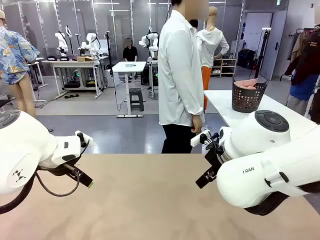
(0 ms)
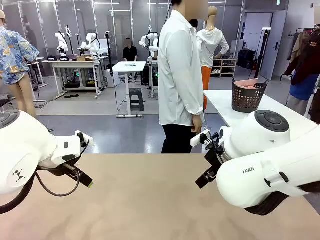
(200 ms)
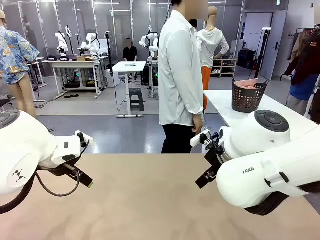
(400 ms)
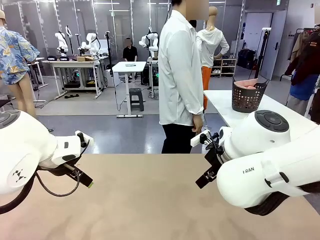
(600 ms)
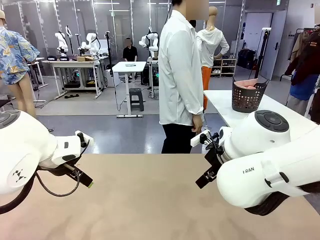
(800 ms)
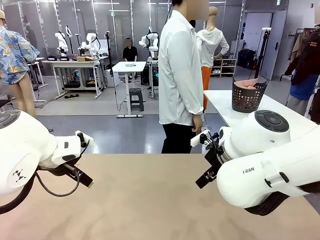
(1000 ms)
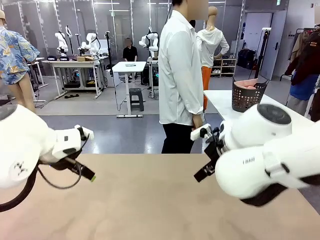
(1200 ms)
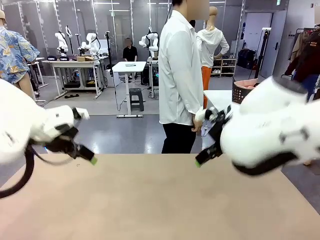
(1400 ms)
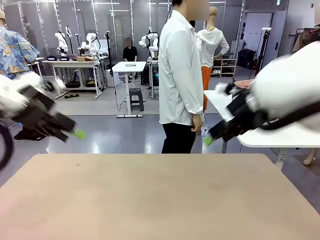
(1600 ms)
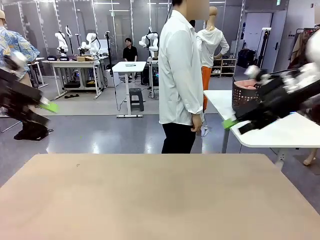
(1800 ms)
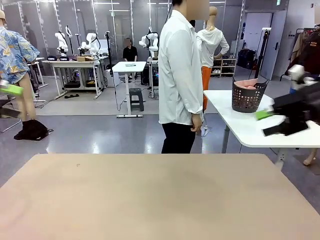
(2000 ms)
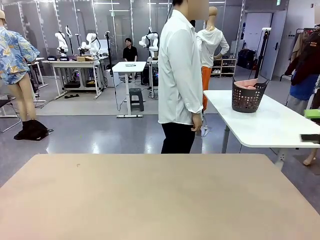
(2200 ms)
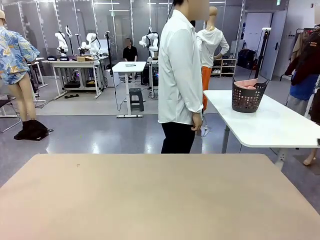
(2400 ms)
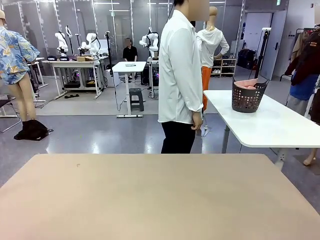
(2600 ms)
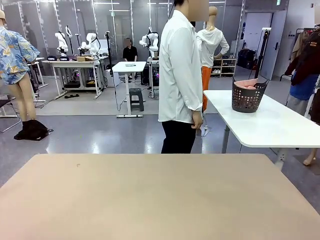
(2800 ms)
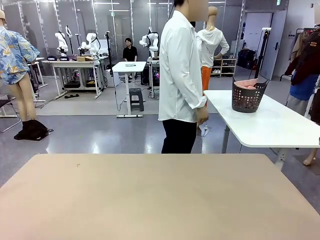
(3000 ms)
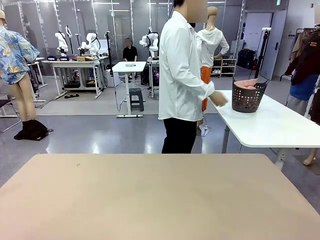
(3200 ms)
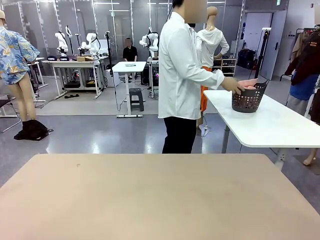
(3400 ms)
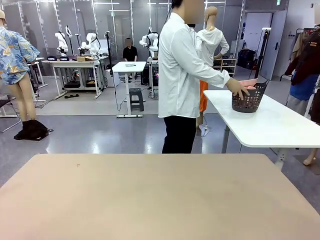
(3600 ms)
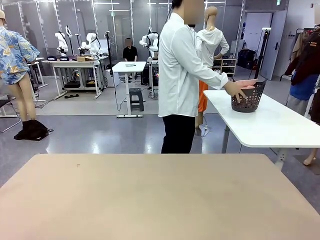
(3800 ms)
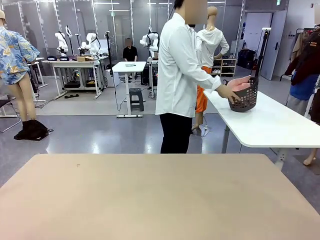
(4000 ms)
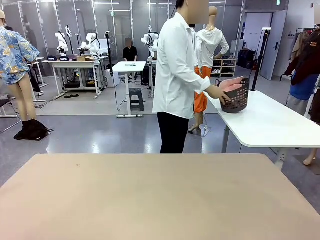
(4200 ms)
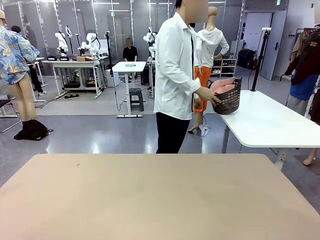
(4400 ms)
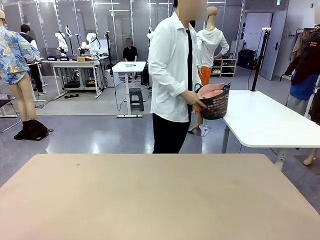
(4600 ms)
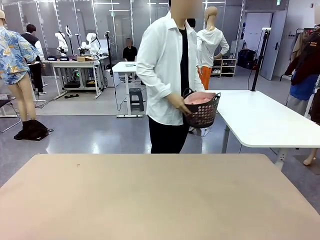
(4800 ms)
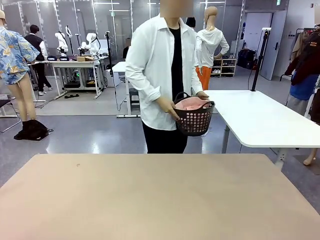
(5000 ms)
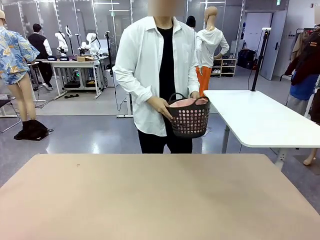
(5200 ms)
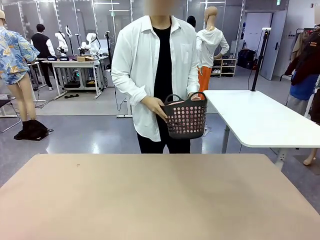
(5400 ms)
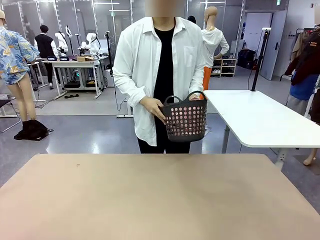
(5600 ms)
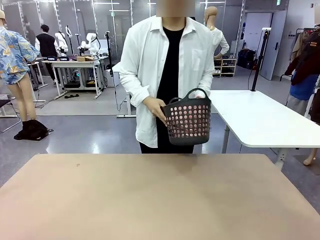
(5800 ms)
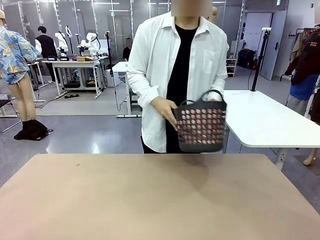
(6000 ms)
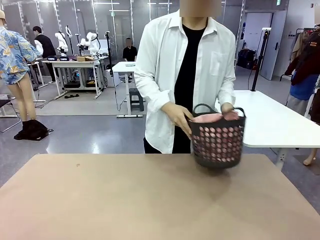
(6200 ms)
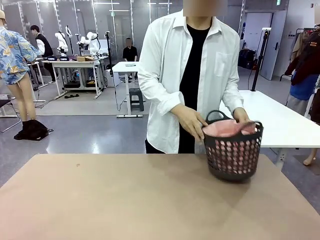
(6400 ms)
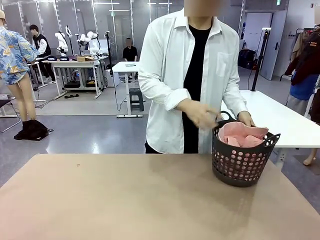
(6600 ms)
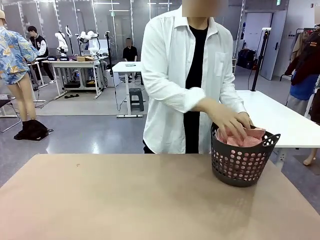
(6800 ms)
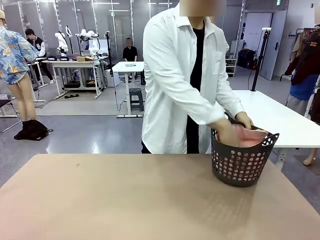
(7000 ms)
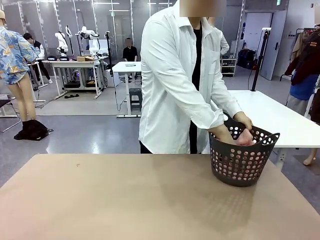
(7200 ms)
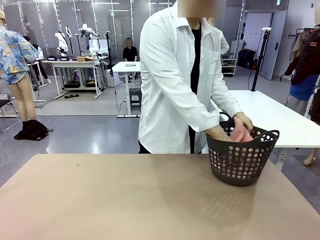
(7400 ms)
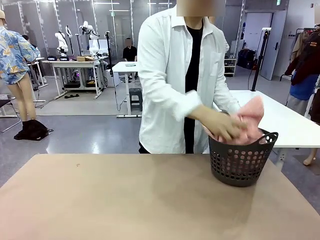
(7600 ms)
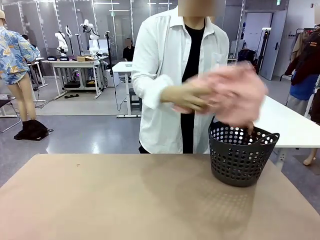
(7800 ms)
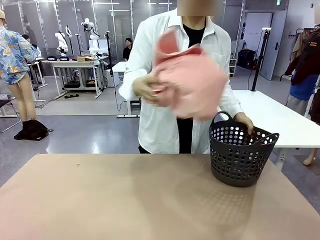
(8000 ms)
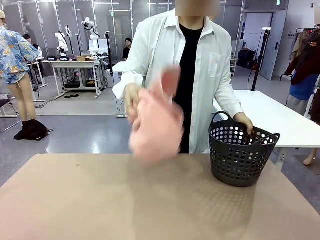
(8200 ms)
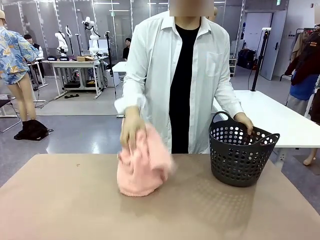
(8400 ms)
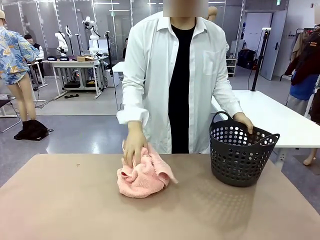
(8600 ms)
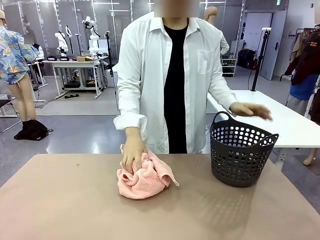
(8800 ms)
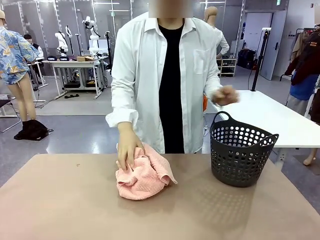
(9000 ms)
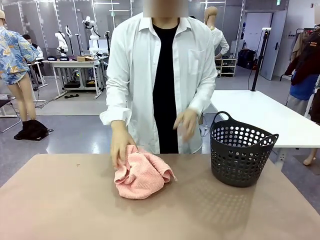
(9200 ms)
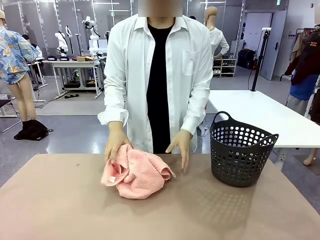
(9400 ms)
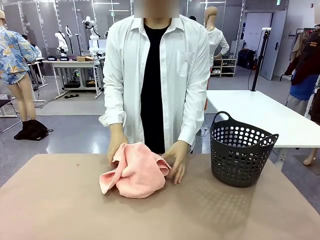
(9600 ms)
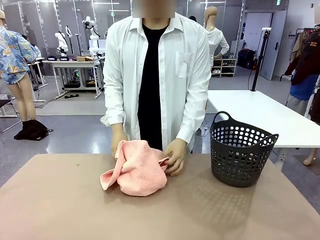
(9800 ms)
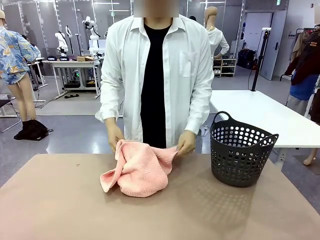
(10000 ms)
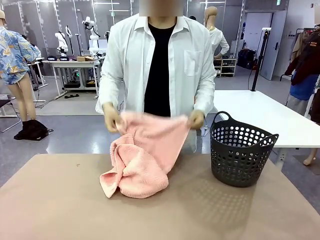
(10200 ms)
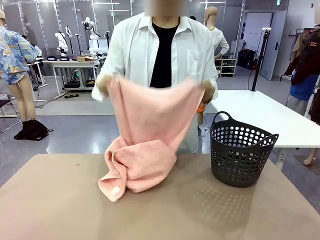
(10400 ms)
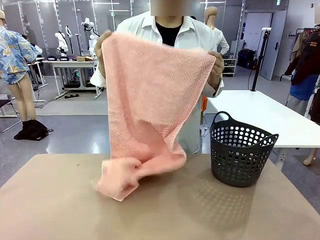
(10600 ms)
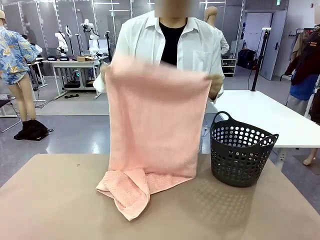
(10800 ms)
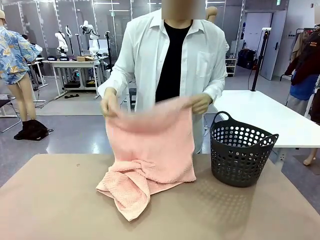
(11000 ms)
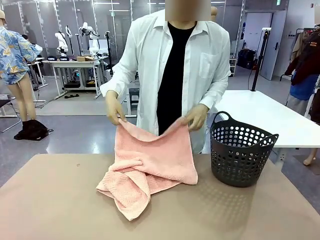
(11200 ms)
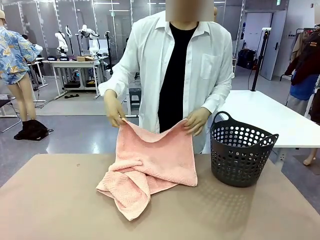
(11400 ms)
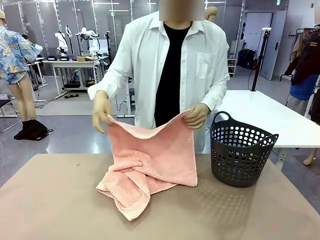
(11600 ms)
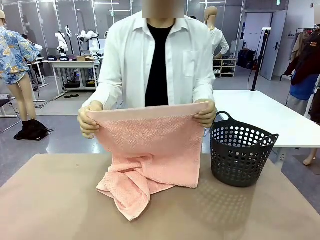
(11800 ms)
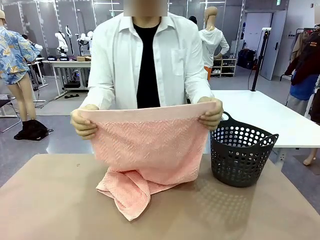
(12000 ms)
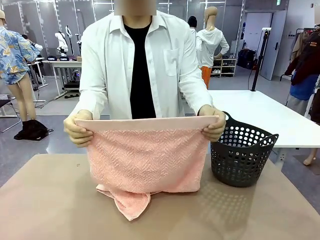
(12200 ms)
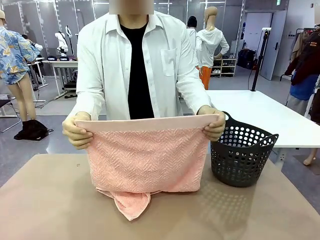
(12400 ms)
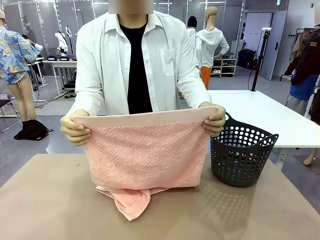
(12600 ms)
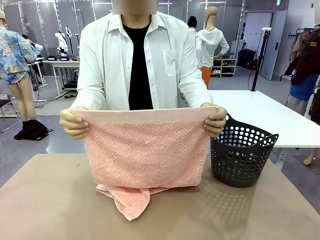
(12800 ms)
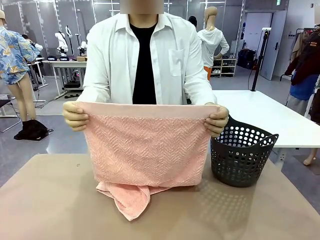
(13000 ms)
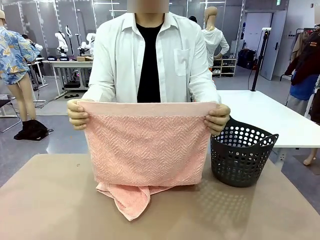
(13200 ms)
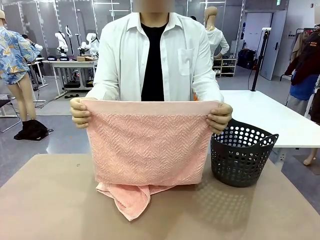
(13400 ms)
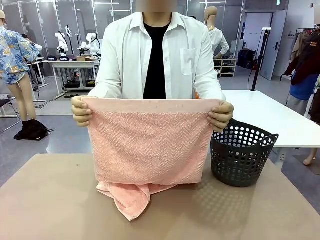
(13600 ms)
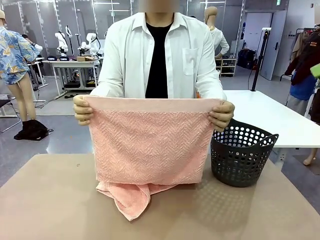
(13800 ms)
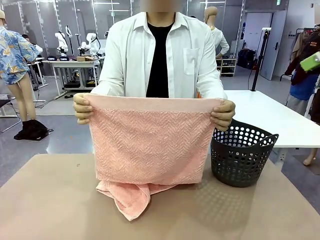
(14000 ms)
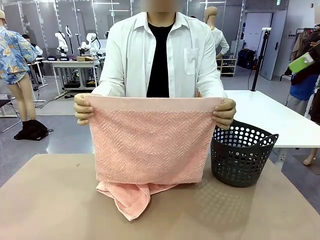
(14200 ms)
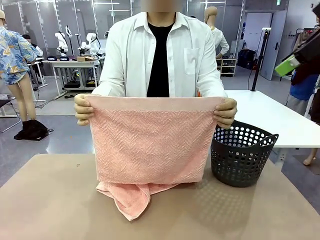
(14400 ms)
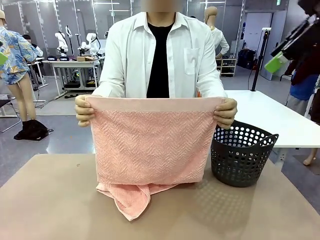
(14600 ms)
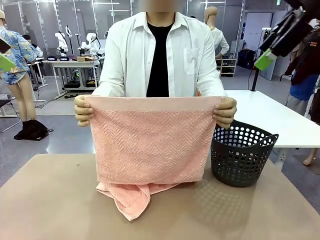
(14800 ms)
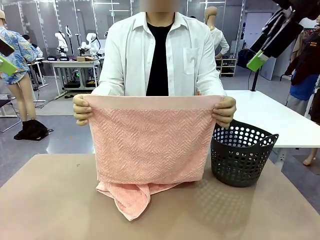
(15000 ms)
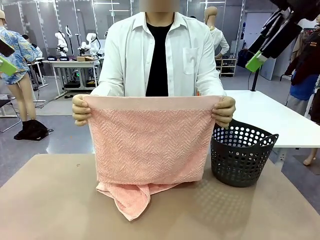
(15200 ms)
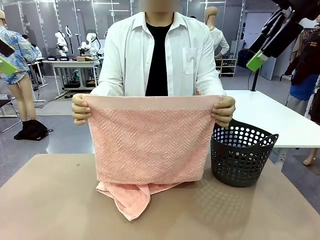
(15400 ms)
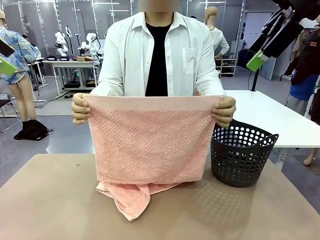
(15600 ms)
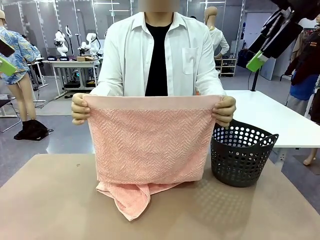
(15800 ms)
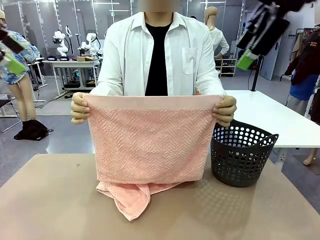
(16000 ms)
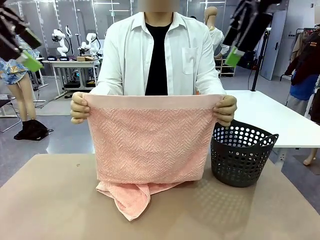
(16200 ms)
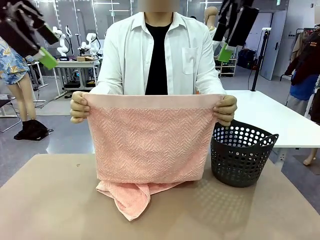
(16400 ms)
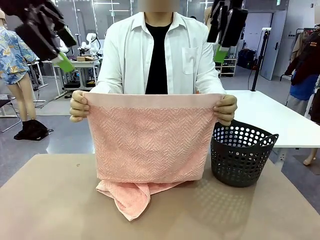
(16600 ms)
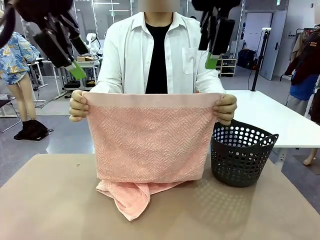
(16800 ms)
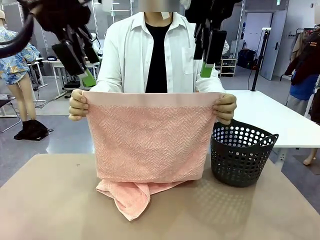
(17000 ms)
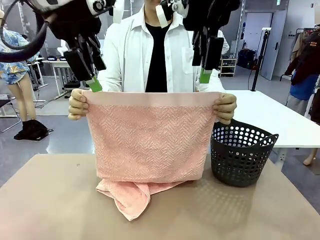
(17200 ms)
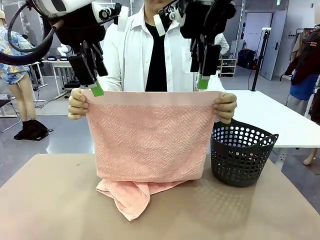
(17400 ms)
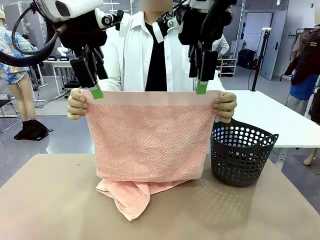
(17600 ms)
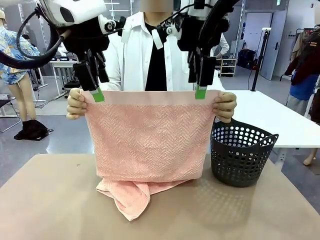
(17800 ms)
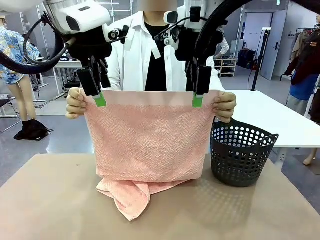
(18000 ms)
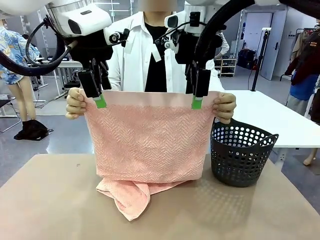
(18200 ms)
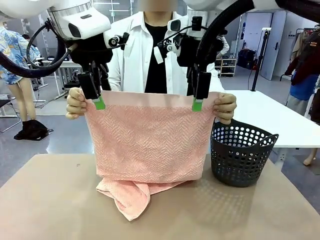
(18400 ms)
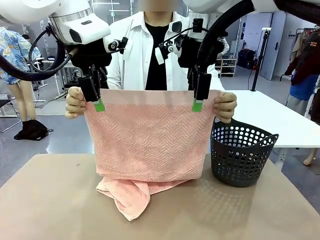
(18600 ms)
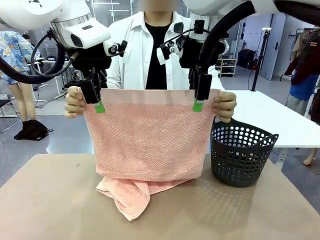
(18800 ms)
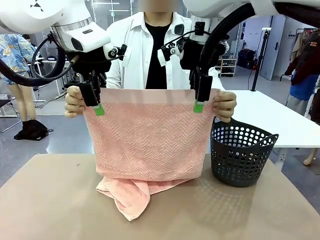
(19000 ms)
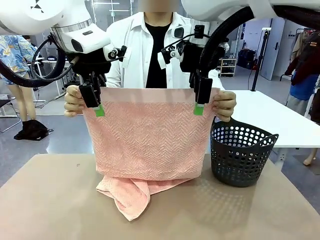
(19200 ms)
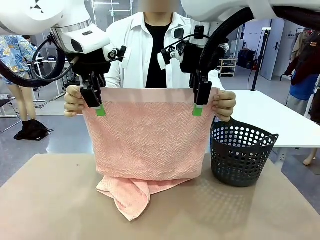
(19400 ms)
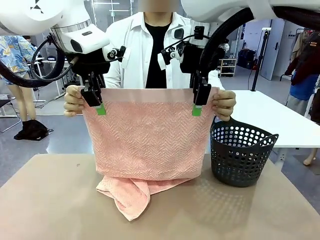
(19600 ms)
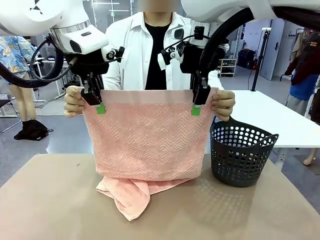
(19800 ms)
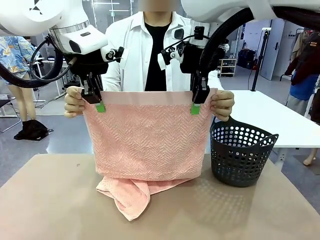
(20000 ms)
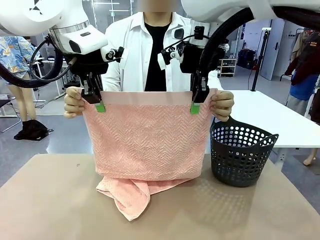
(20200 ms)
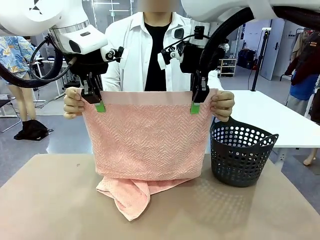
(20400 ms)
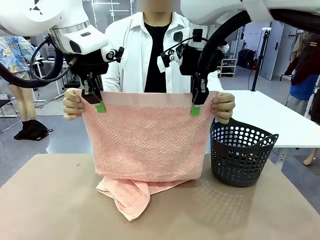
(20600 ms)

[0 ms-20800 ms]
Task: Fold the towel.
Robot: Grab the top end of the 100 cm Hotel Towel extended by the human.
Person: Pick up the laundry basket, place it on the left side of the robot table, then take out a towel and hand it to the robot while holding both corners of one end.
